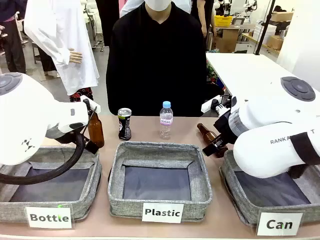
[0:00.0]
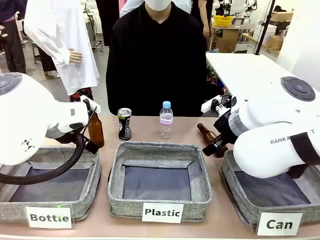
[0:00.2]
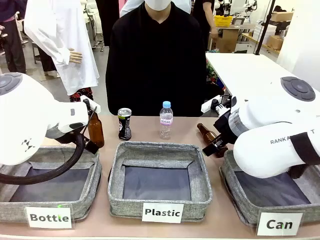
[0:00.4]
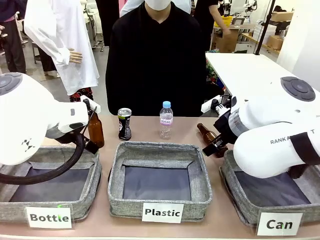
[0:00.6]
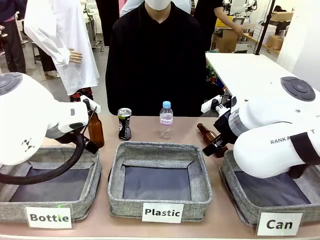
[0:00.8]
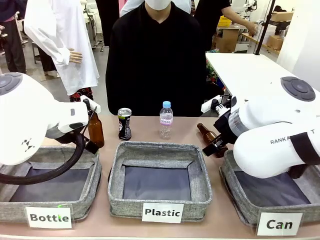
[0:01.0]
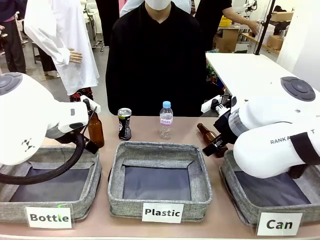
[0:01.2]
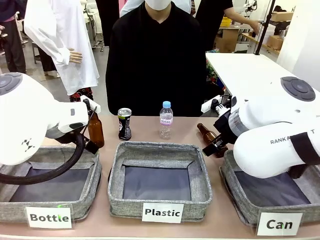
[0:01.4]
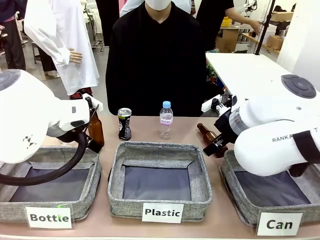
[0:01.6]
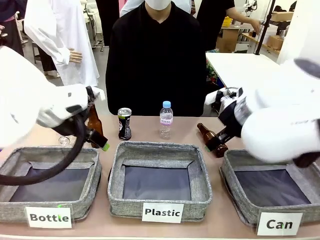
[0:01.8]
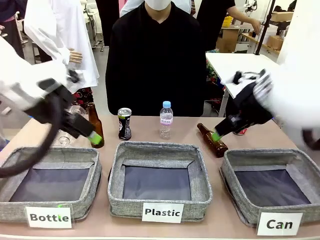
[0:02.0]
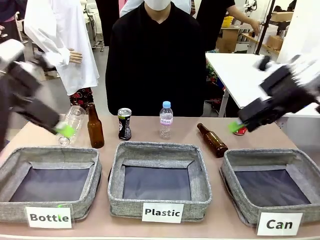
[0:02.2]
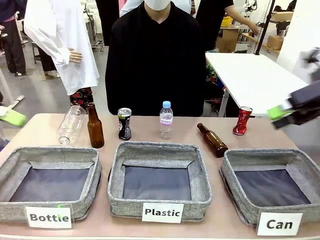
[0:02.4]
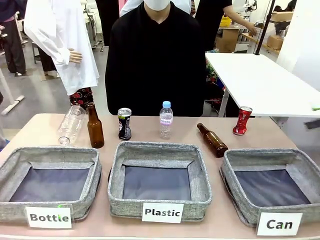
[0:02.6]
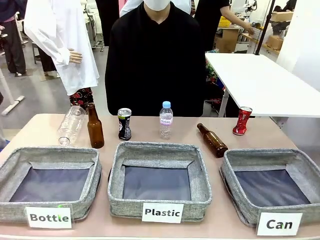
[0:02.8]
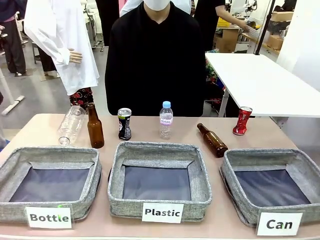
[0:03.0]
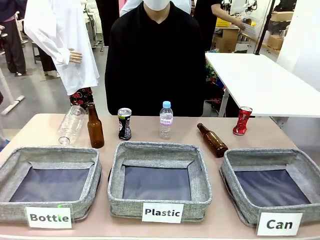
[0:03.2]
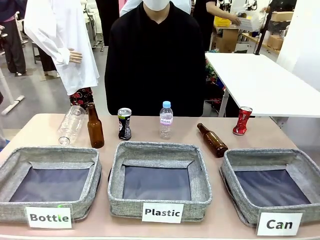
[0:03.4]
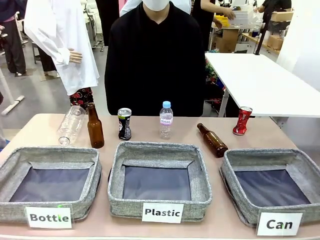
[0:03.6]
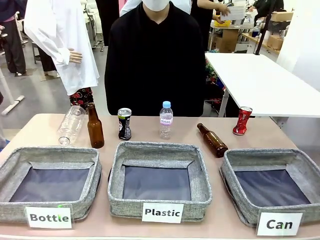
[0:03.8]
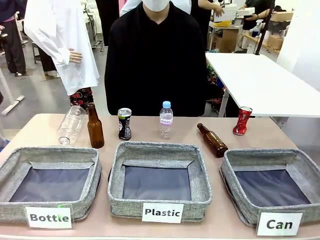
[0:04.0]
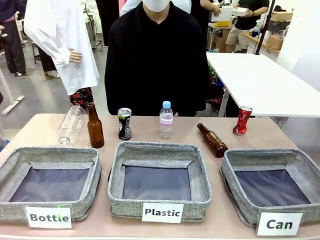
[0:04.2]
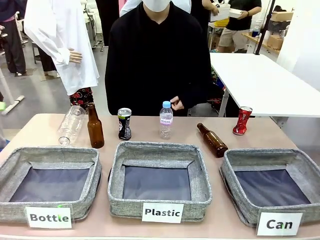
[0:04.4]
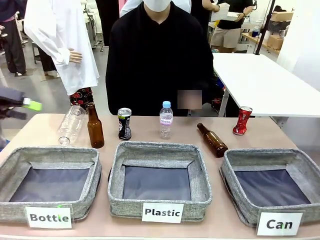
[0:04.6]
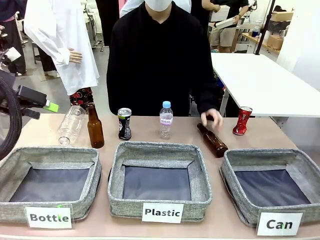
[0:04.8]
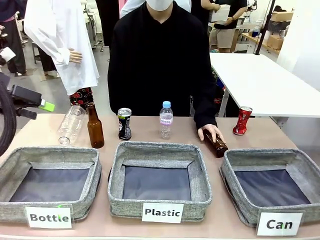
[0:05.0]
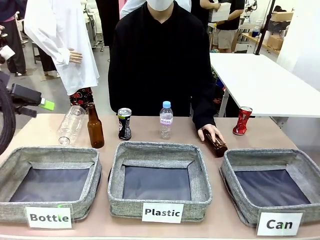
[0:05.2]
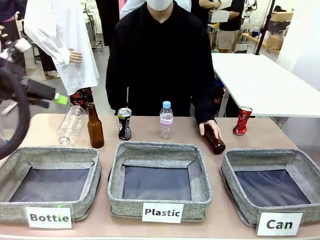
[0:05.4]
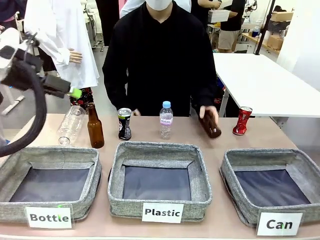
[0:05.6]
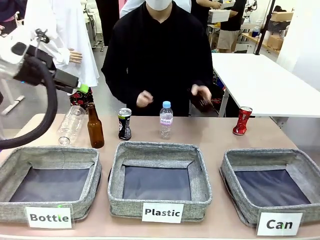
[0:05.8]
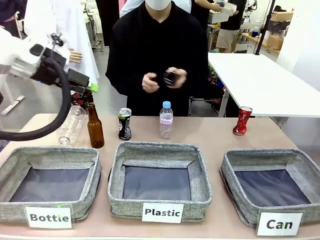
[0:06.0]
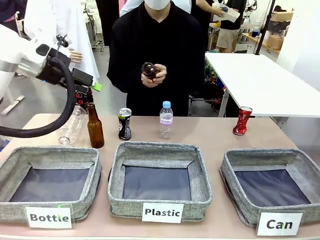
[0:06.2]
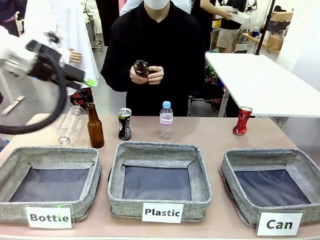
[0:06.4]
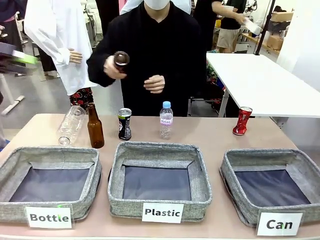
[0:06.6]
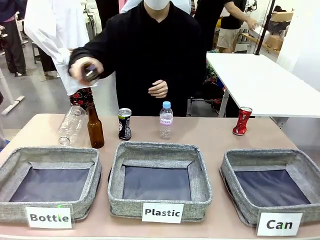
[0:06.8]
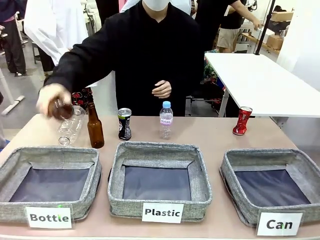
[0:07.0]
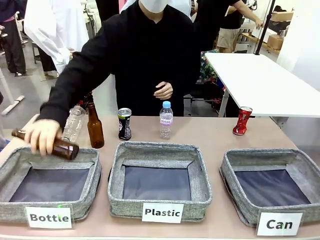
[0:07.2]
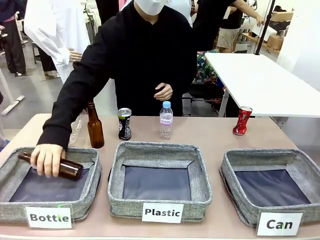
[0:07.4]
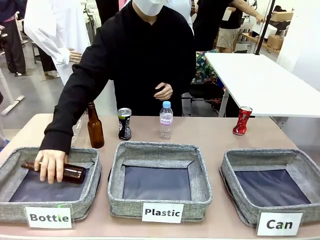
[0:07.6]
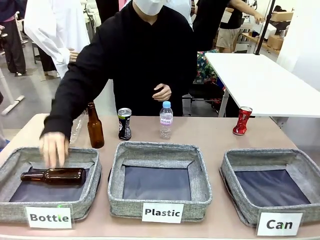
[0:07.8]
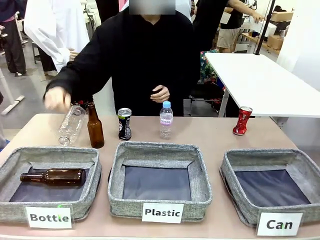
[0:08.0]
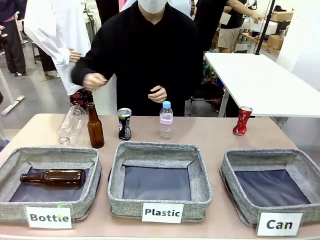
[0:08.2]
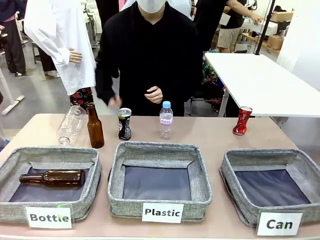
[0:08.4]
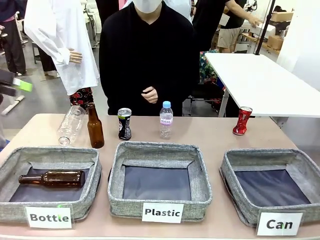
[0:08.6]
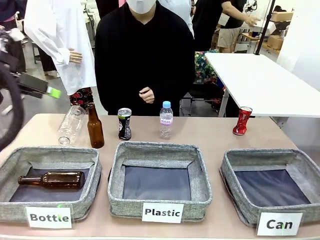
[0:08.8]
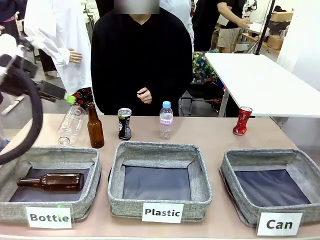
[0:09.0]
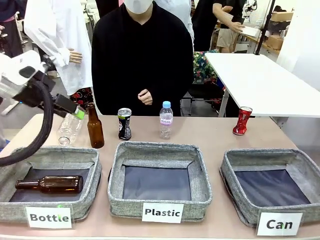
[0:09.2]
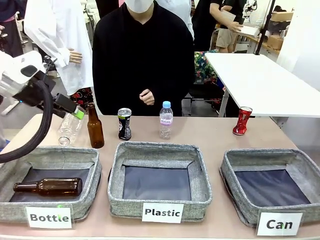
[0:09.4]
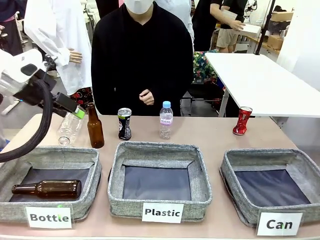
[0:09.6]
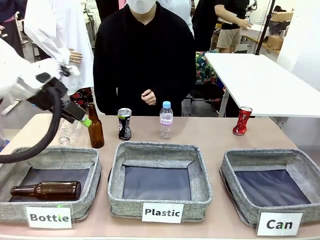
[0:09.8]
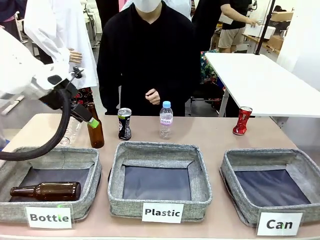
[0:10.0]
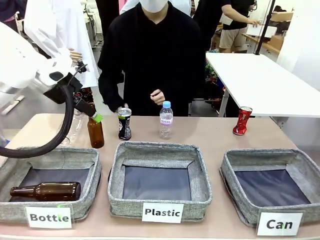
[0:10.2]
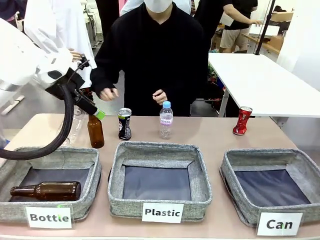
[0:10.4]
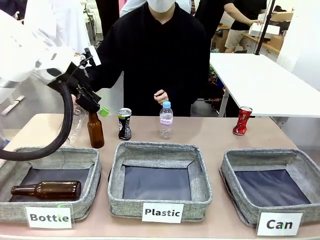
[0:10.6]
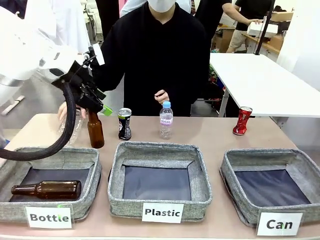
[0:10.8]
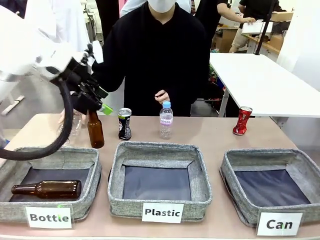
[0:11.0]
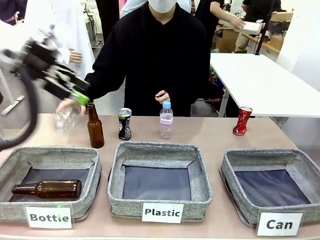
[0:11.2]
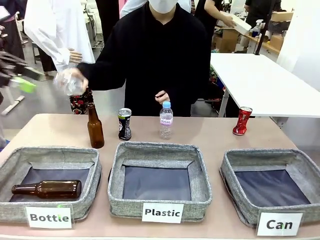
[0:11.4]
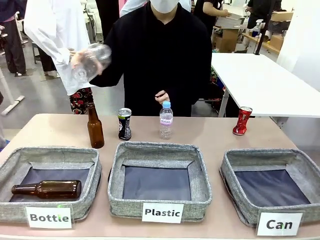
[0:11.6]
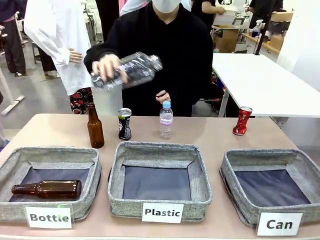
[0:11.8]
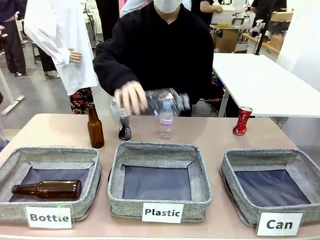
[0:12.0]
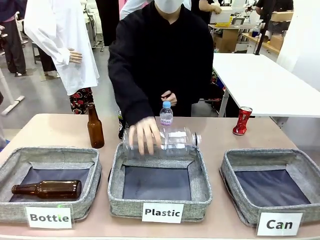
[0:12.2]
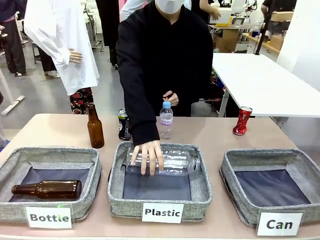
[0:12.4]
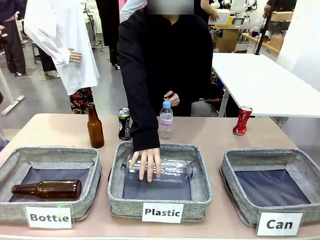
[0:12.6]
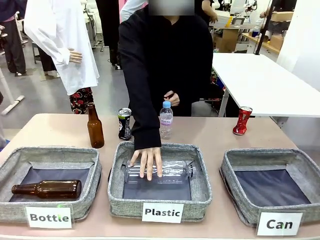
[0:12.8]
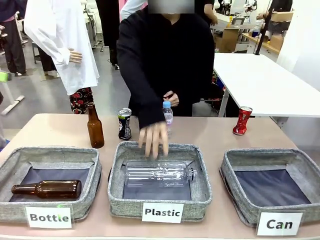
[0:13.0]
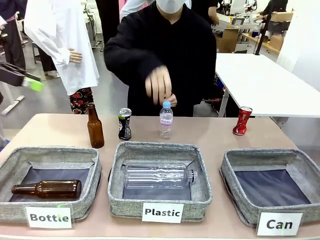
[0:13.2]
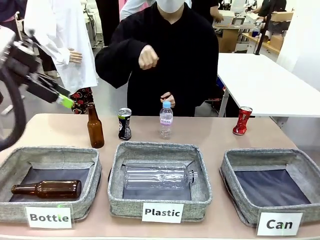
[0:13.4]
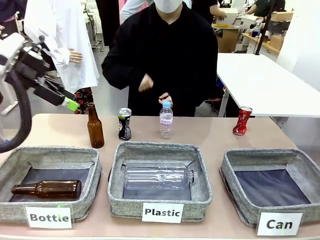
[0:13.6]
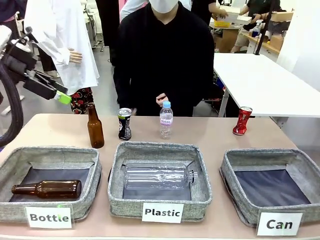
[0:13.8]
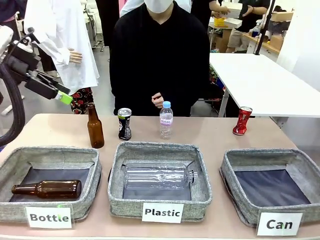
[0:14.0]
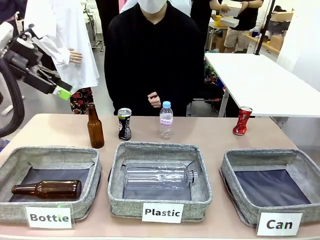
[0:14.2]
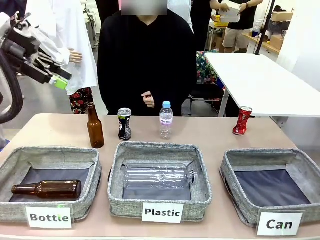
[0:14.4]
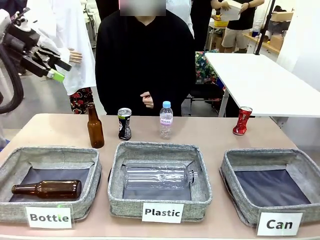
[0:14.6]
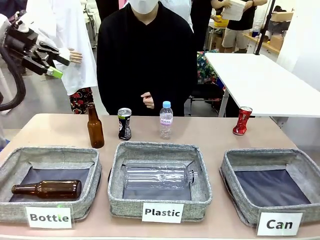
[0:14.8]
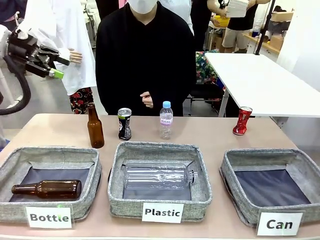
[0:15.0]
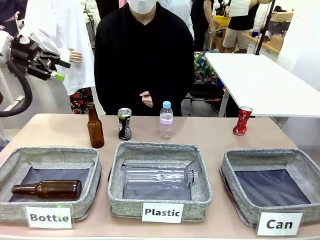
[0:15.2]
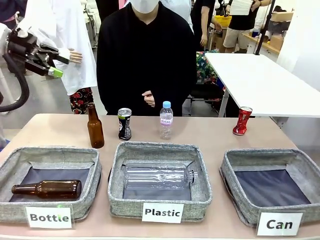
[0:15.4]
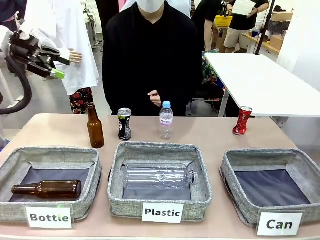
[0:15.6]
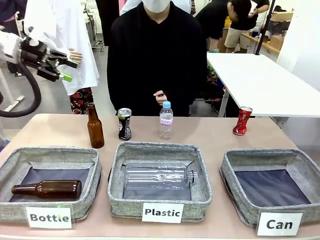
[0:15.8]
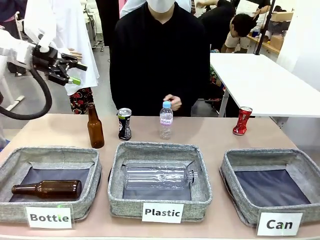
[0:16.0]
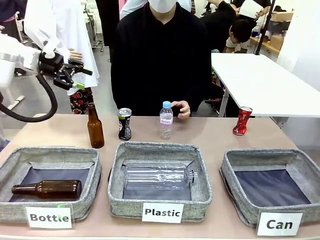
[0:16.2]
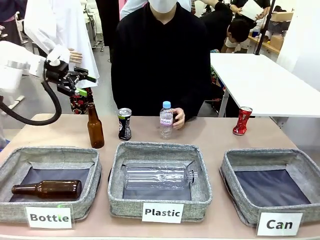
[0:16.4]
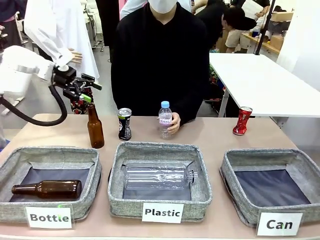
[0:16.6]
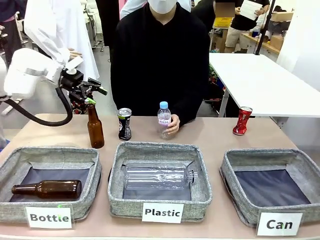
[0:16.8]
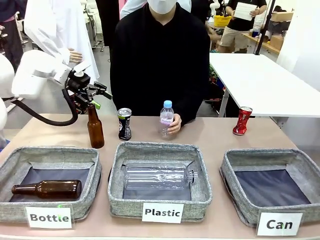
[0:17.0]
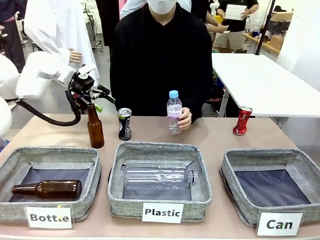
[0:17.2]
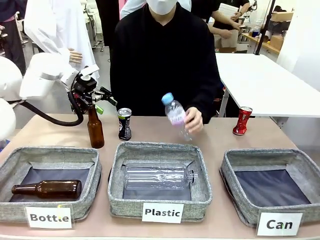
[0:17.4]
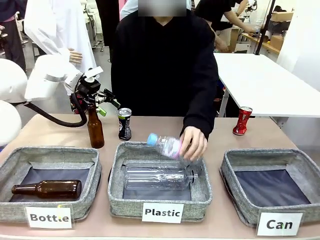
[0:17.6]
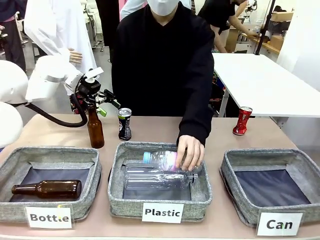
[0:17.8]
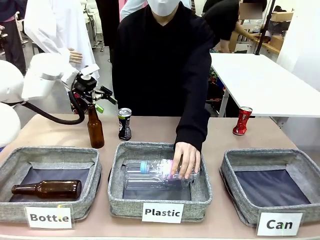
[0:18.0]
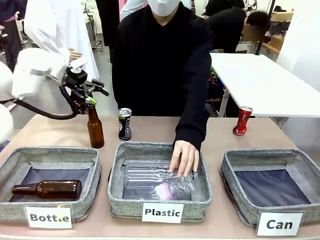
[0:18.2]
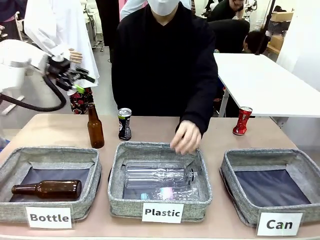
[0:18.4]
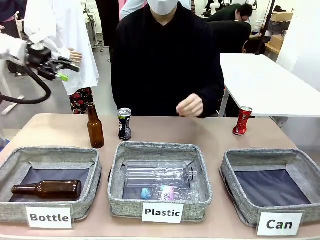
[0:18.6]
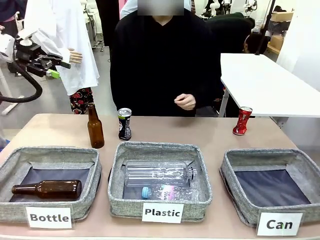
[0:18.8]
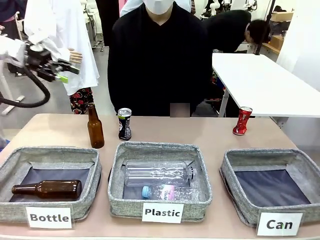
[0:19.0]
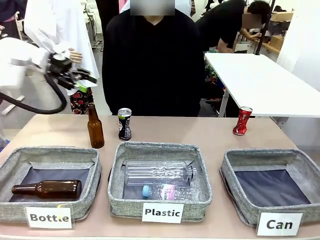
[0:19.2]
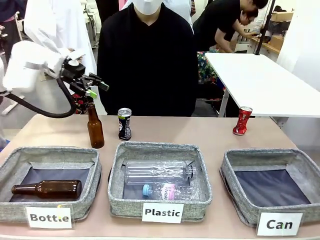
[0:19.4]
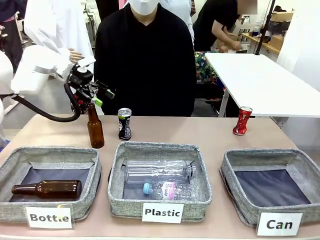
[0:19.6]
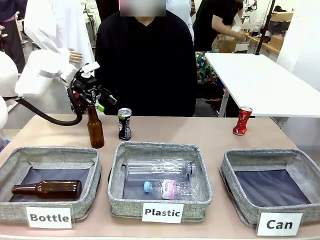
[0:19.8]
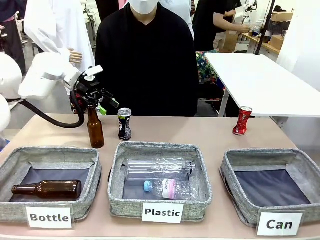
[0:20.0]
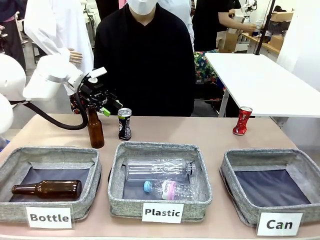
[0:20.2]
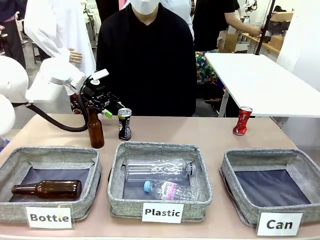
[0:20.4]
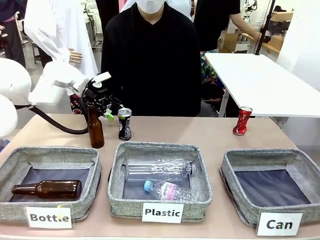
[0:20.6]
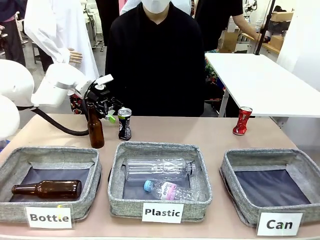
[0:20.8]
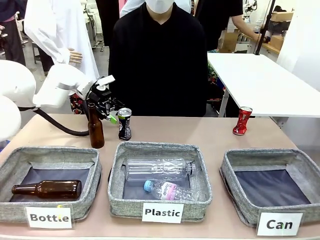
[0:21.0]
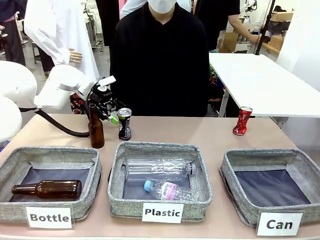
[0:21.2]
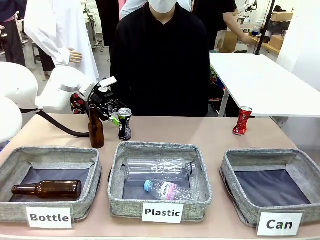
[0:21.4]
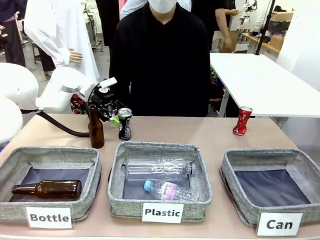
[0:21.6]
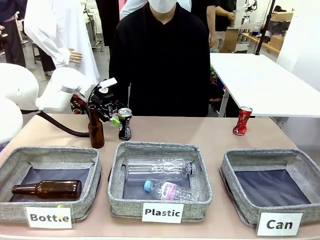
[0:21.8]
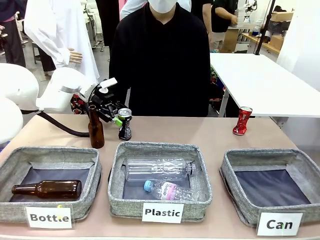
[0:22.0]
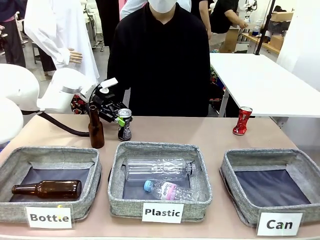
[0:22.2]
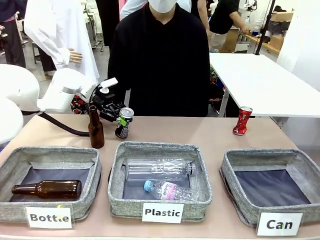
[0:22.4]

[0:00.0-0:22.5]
Task: Sort the can waste into the basket.
Robot: Pick up the can waste from the table and place it in the right Fabric basket.
